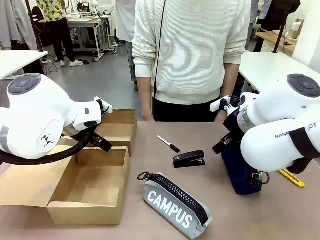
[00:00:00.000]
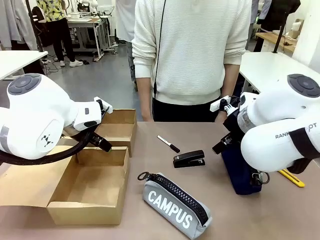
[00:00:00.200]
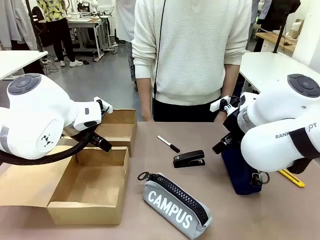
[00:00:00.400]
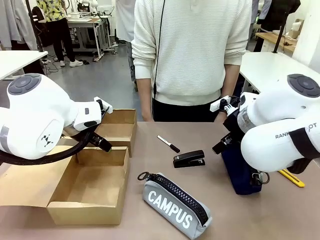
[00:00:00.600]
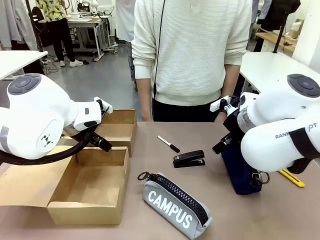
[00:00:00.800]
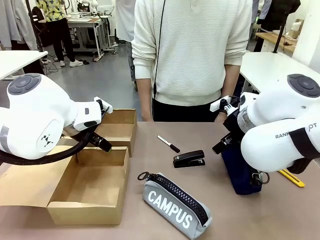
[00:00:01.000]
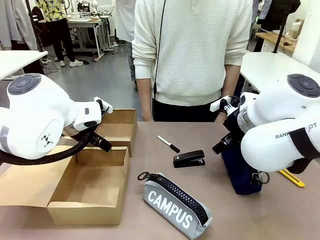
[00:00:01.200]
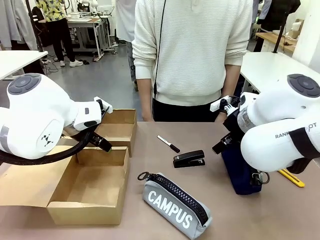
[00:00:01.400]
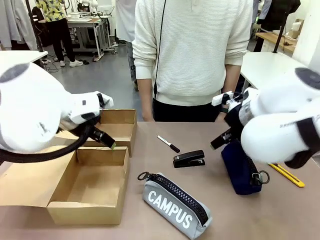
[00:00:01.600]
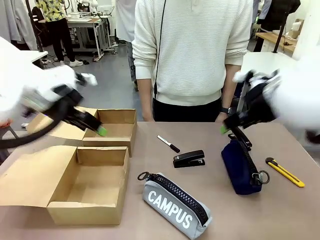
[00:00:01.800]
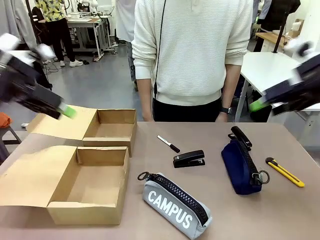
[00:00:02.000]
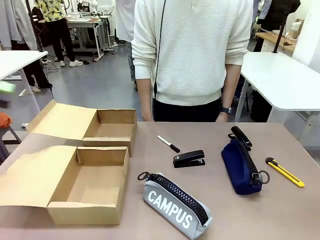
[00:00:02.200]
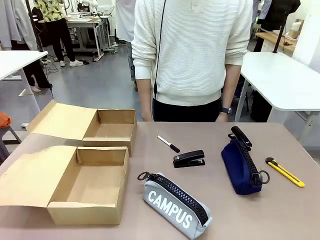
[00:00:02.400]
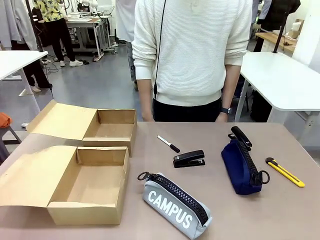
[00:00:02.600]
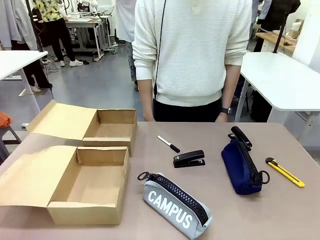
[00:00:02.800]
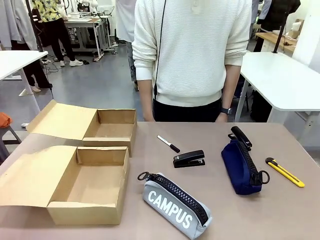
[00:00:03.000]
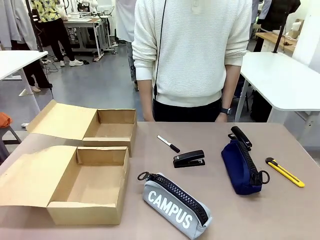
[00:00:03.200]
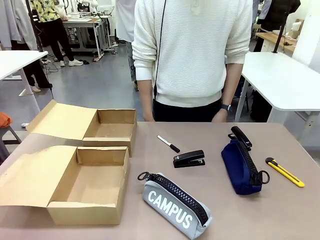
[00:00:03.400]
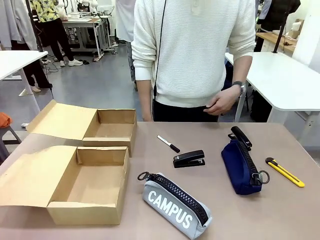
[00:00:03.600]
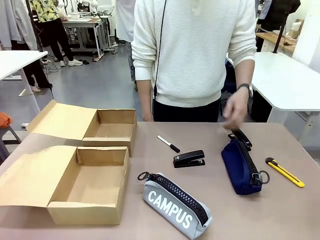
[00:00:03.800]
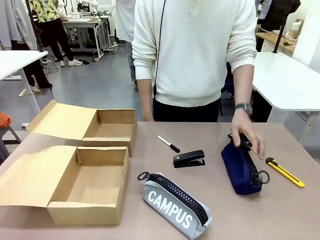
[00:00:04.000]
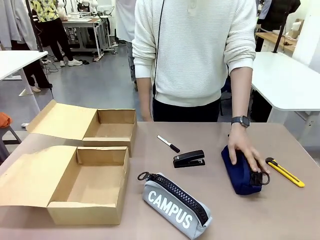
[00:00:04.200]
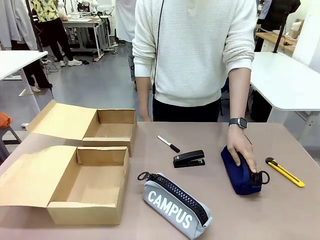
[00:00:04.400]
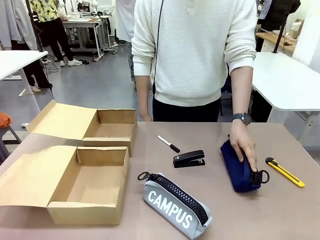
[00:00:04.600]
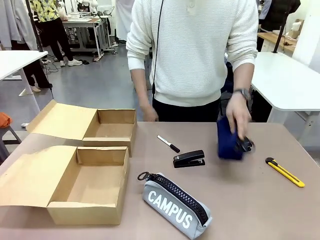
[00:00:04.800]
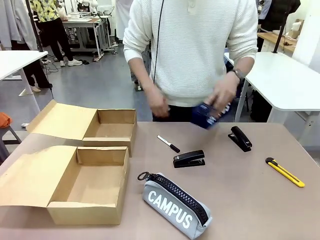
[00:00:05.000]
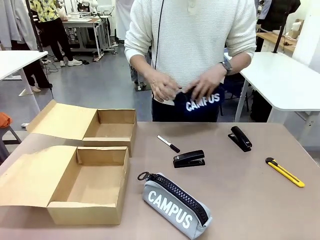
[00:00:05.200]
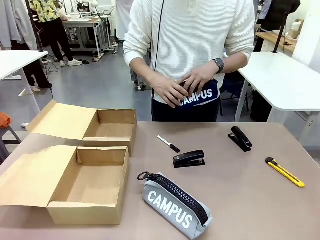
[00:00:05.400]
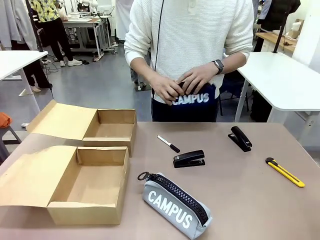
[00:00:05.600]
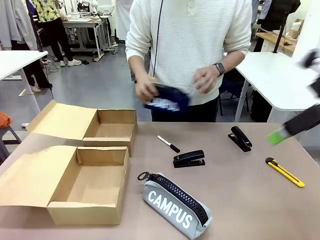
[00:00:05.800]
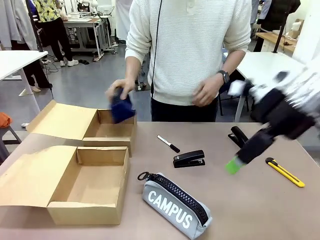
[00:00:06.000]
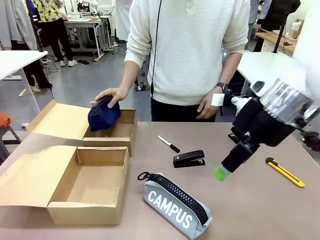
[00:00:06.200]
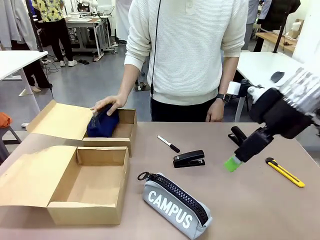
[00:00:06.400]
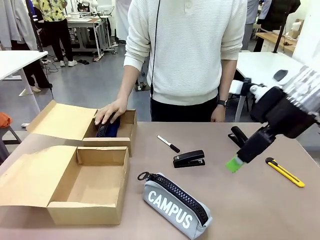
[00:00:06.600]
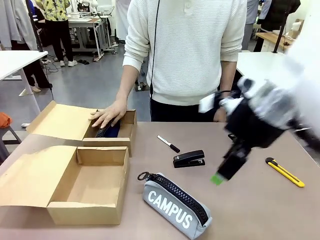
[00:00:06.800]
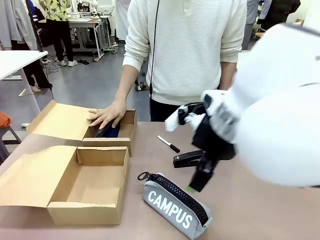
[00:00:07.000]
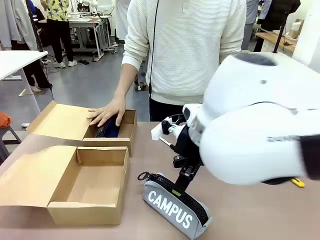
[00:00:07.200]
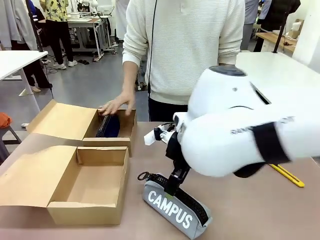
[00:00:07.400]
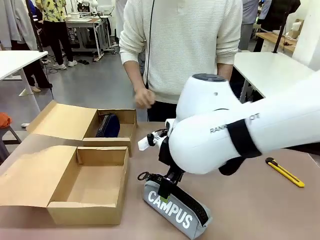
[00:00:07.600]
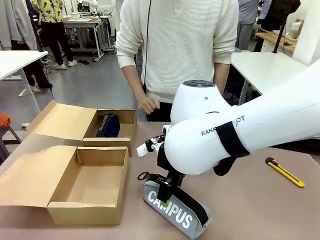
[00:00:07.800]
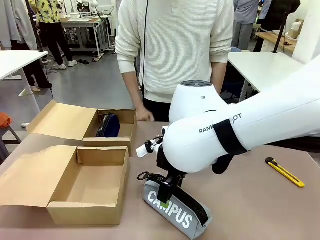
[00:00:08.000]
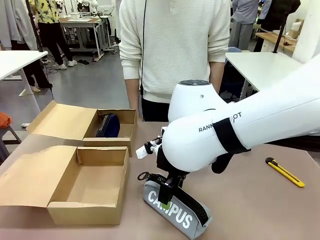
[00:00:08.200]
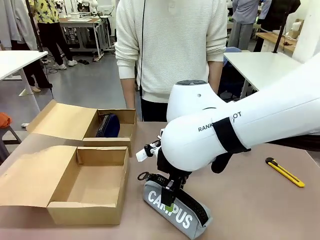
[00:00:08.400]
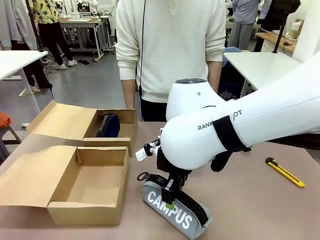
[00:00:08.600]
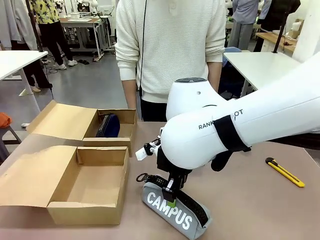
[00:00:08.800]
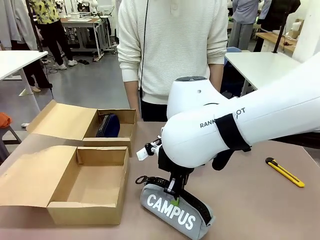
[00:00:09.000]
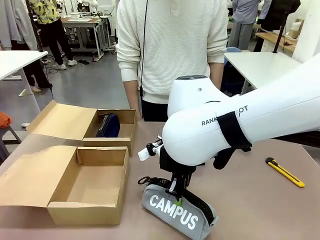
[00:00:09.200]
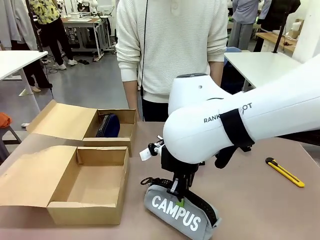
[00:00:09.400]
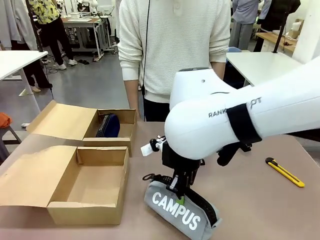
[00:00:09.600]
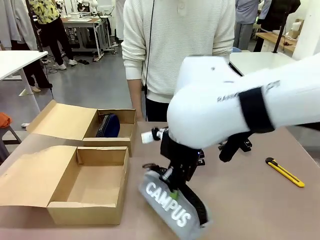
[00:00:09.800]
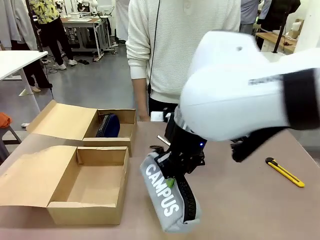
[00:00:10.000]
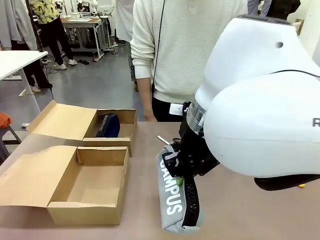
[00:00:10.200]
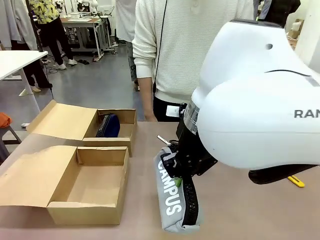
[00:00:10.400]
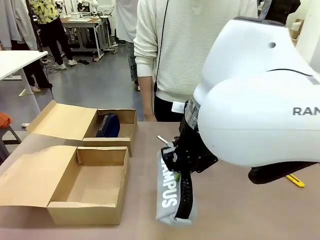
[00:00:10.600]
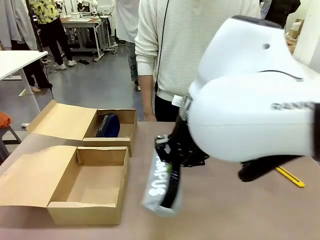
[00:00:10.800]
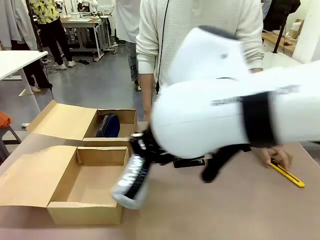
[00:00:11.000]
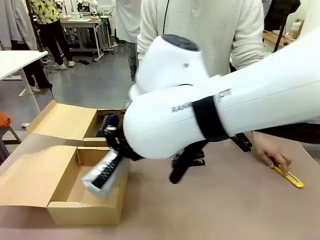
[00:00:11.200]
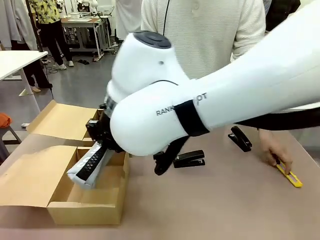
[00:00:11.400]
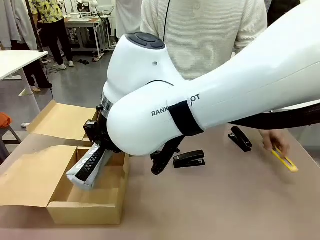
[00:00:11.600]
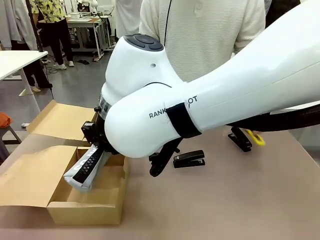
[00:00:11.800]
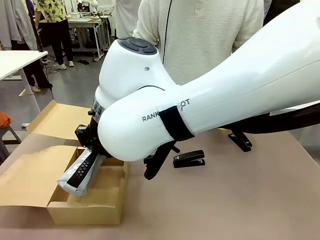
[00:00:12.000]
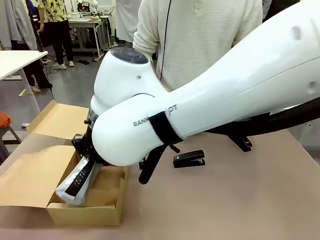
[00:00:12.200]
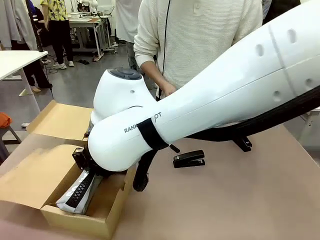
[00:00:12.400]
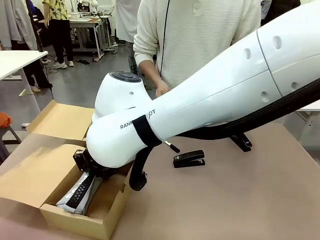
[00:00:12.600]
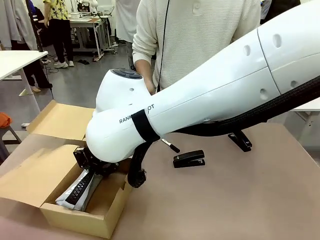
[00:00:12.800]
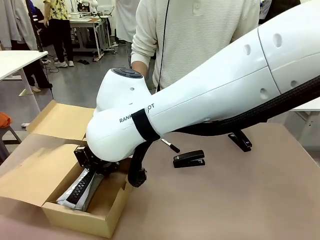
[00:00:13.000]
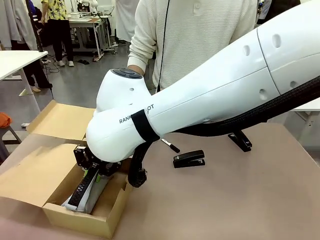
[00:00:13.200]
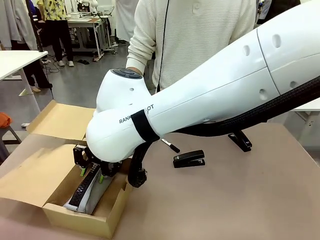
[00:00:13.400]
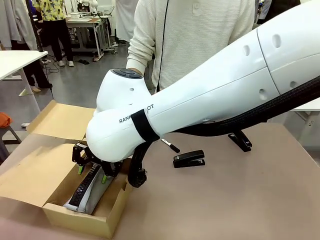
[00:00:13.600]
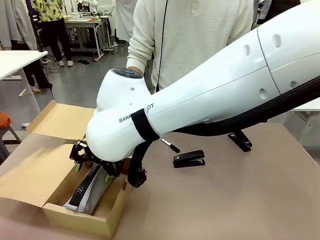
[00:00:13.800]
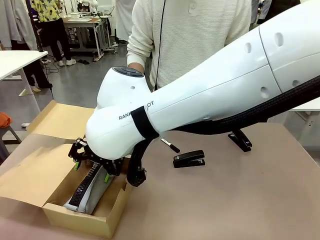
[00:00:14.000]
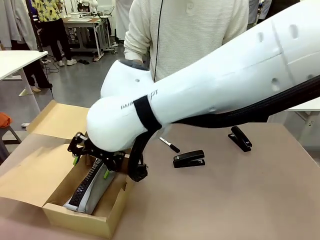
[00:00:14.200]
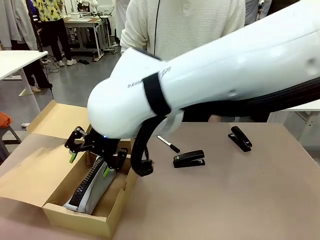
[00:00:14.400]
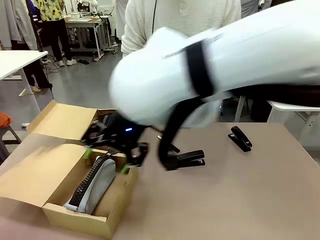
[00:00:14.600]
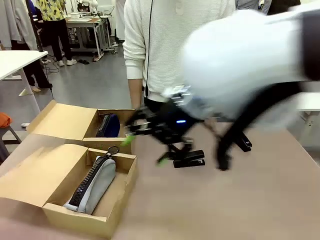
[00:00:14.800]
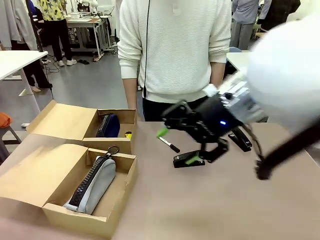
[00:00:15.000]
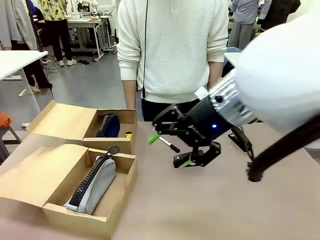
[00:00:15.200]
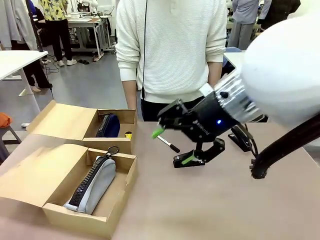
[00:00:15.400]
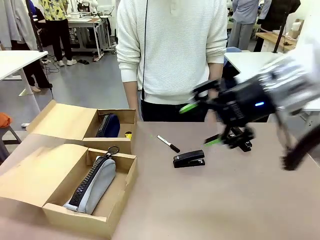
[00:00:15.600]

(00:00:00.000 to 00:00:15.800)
Task: Place items inside the box.
Robot: Pick up a Pencil pouch or Stapler and place it inside the Mailer Box closest to the robot.
Person: Pick up an object on the table and put it in the box.
